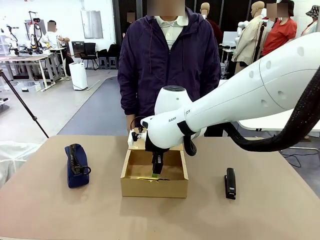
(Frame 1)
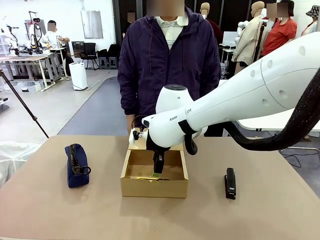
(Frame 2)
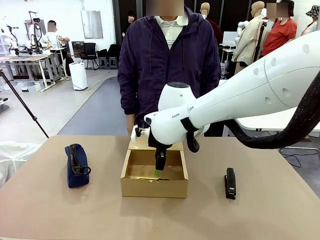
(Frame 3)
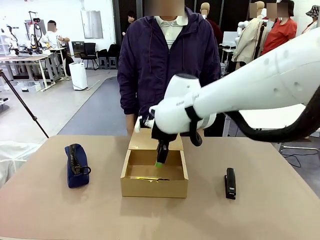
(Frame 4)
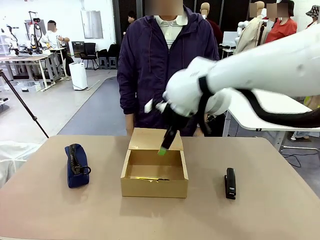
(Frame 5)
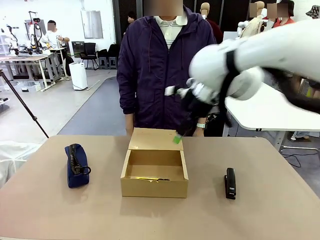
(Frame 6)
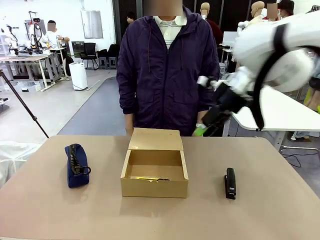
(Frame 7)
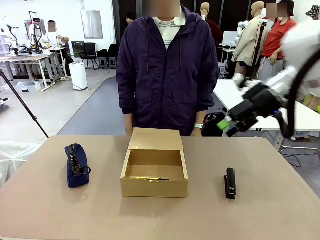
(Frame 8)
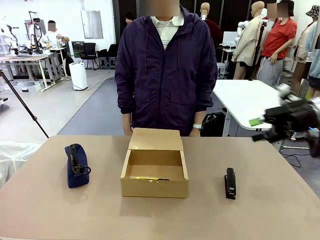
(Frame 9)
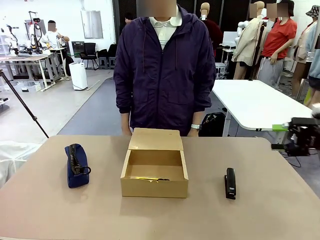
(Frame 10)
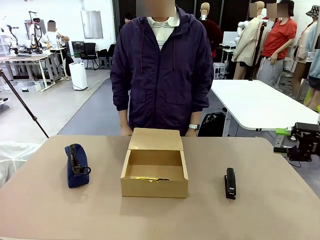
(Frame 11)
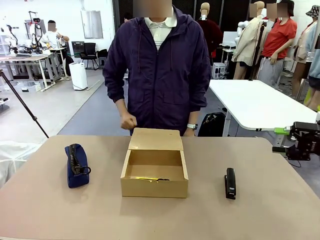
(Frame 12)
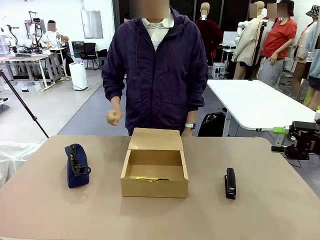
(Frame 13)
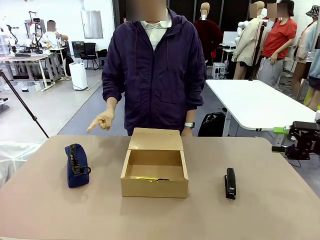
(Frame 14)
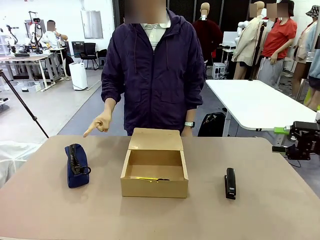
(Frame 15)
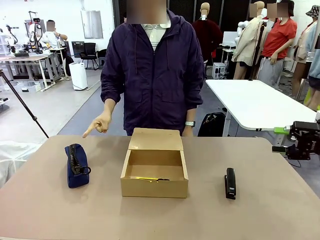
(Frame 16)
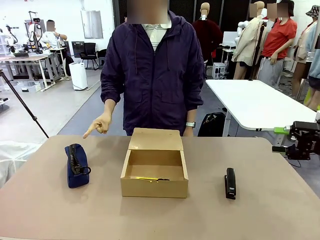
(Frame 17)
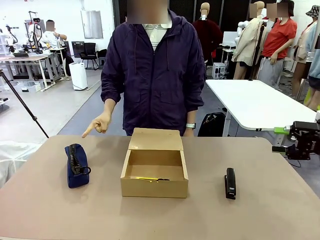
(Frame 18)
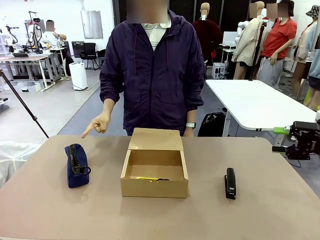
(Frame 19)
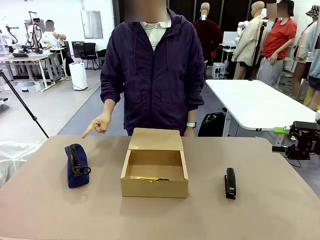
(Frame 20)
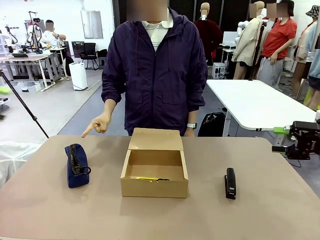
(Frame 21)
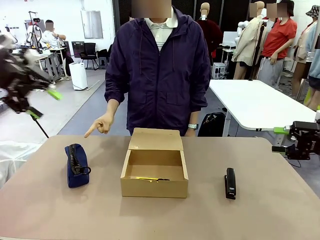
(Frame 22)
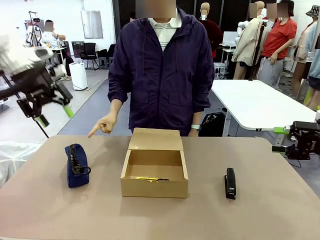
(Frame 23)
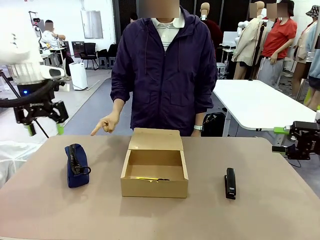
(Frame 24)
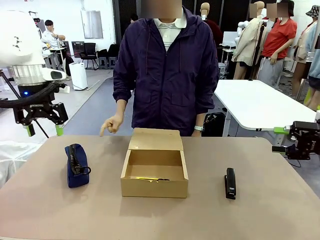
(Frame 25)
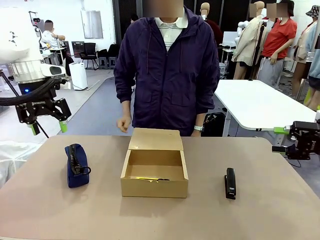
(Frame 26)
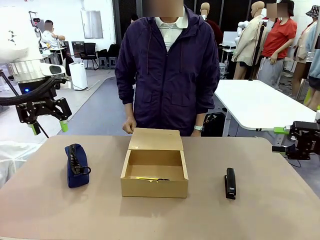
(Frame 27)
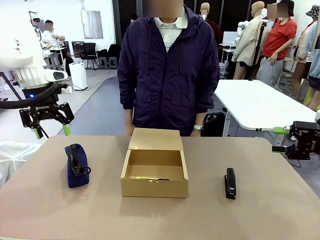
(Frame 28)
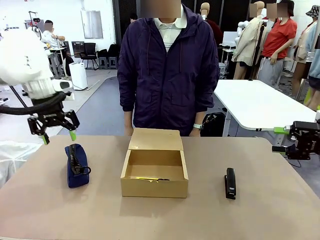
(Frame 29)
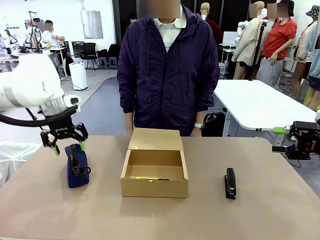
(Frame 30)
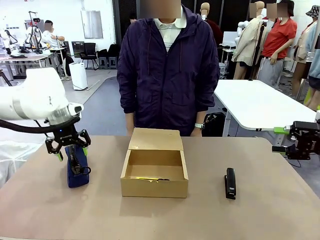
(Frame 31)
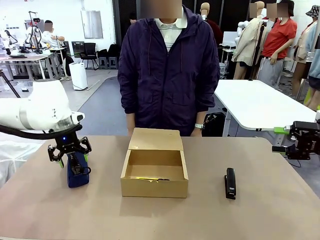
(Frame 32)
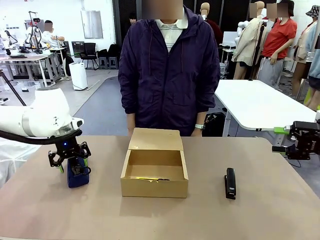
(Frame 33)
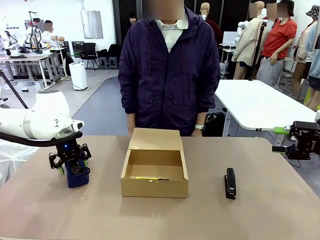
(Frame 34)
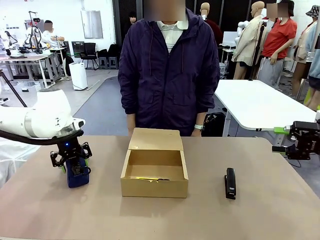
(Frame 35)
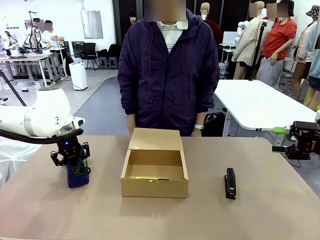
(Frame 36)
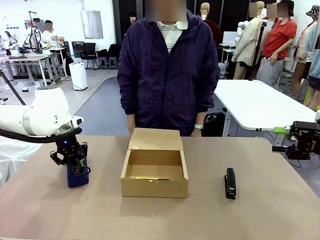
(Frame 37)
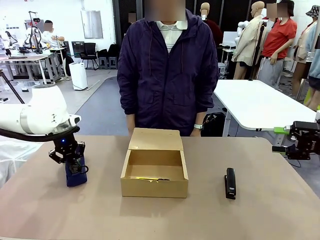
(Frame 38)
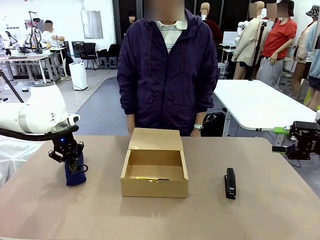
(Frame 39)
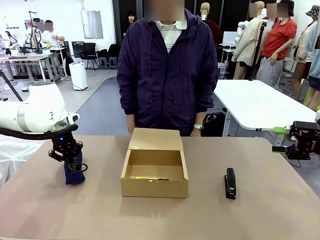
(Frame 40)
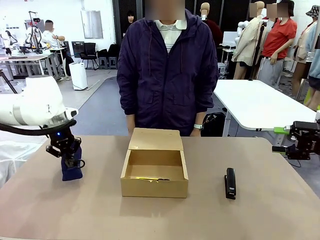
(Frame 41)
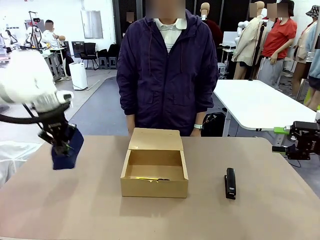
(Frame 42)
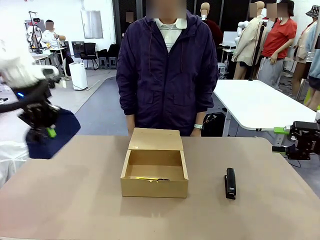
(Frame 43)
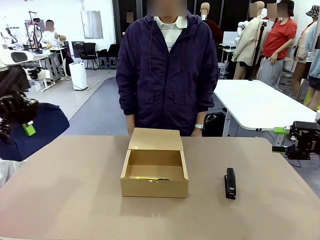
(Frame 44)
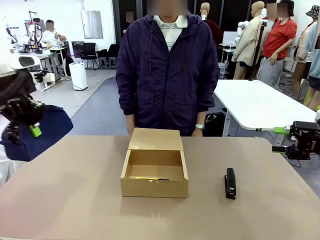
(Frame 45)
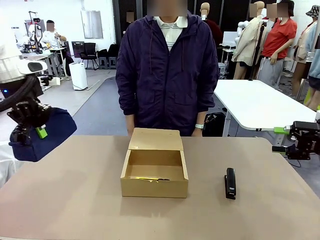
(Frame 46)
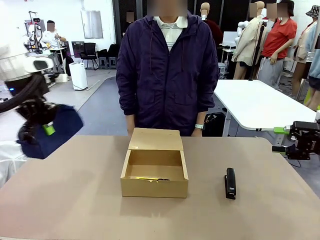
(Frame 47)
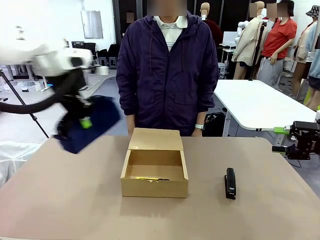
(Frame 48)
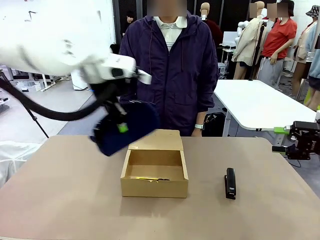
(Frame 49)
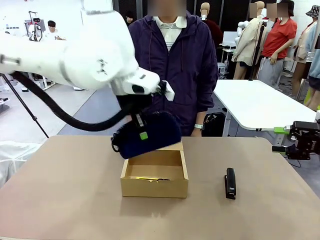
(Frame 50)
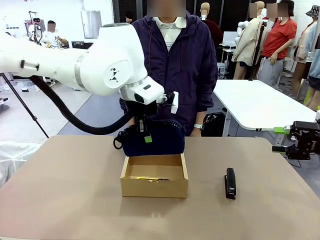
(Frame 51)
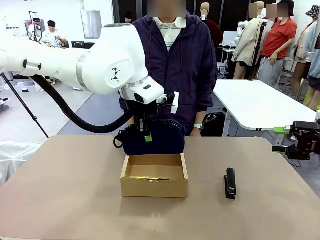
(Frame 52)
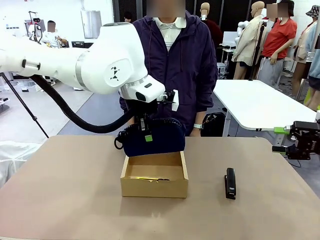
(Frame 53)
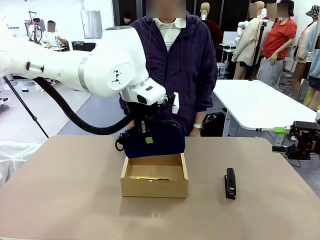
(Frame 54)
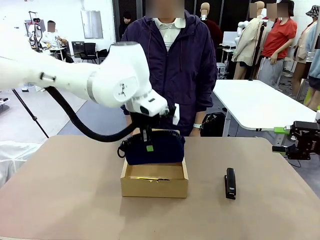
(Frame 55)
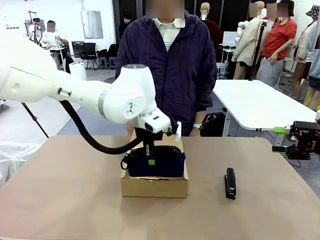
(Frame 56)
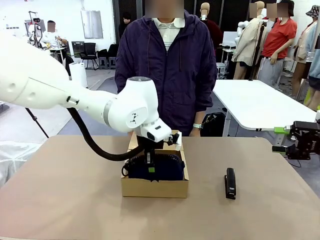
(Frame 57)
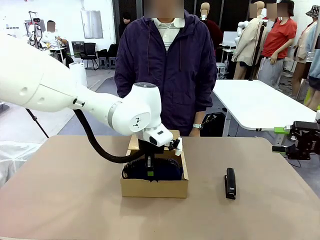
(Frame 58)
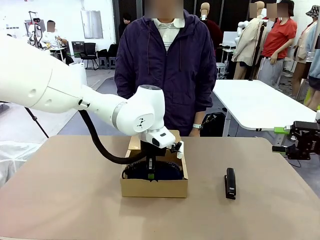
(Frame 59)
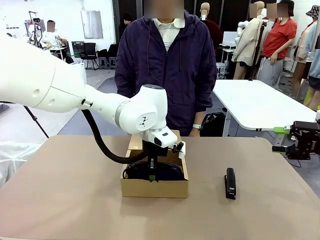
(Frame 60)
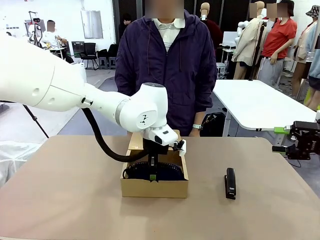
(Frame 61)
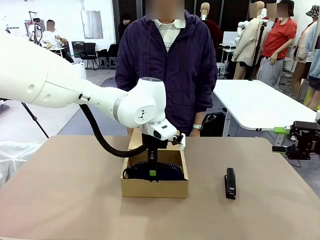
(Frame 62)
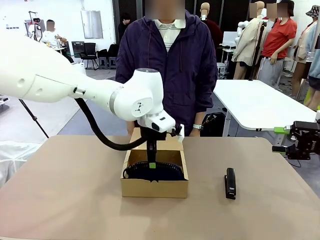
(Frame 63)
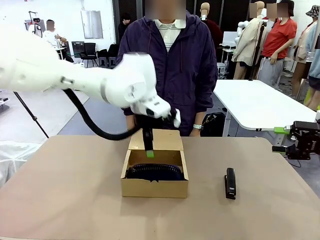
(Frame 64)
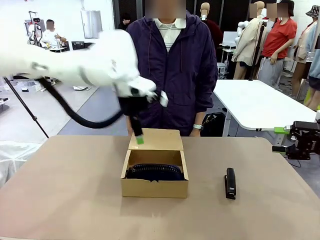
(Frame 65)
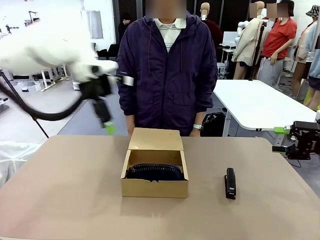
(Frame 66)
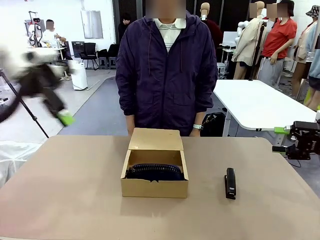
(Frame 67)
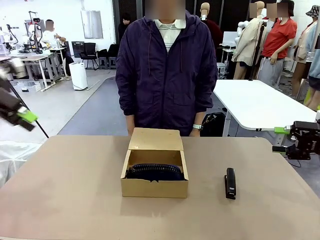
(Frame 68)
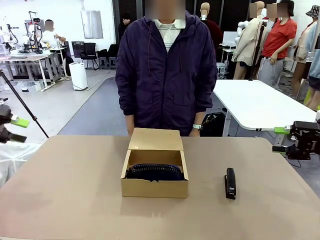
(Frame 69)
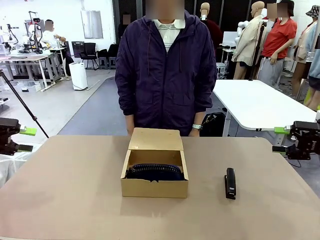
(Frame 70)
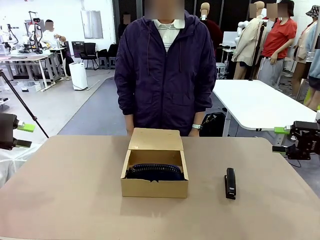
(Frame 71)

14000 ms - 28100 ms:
Task: Pack the items into the box.
Robot: Pick up the item specified by the human and place it in the Mailer Box.
Person: Lower both hands vertically with palms facing downward, as if pressing something closed.
